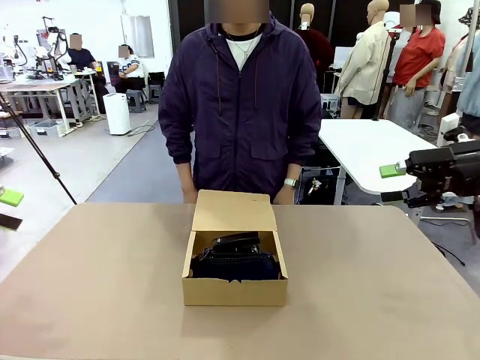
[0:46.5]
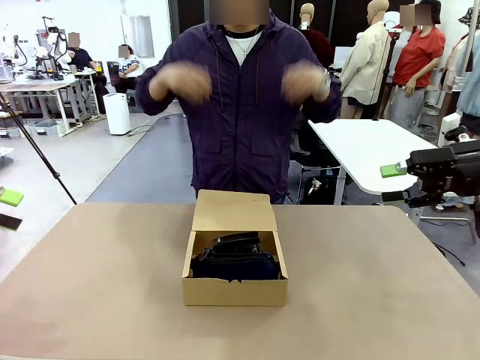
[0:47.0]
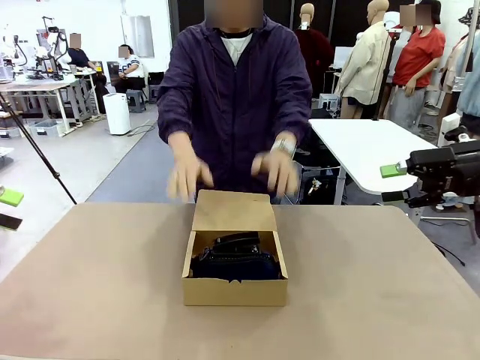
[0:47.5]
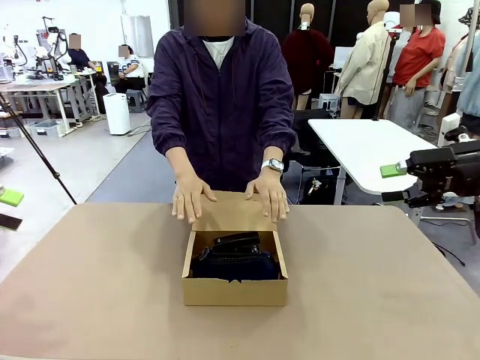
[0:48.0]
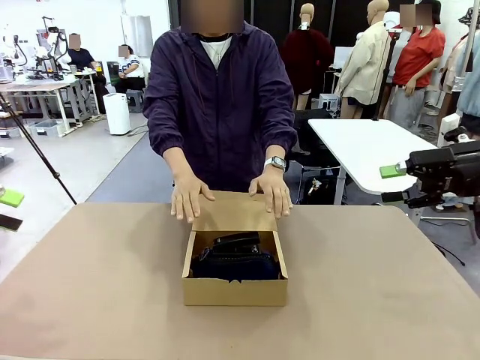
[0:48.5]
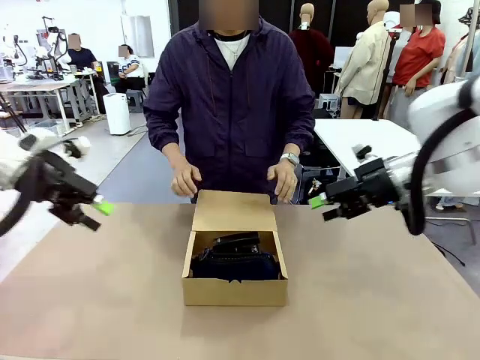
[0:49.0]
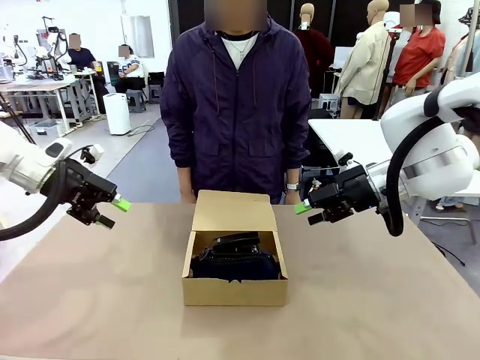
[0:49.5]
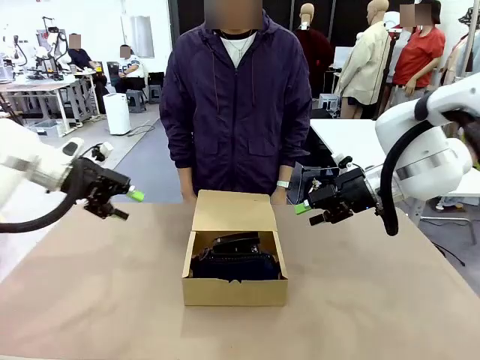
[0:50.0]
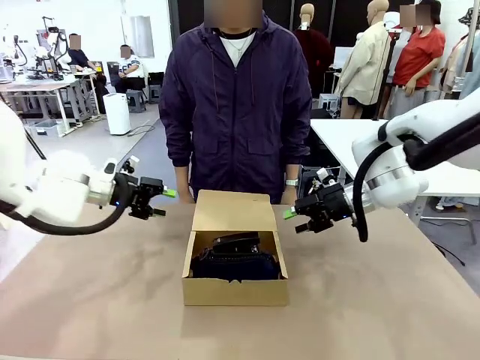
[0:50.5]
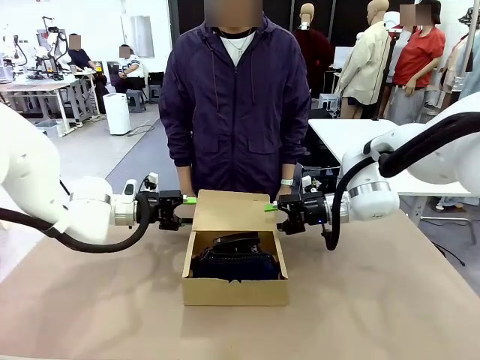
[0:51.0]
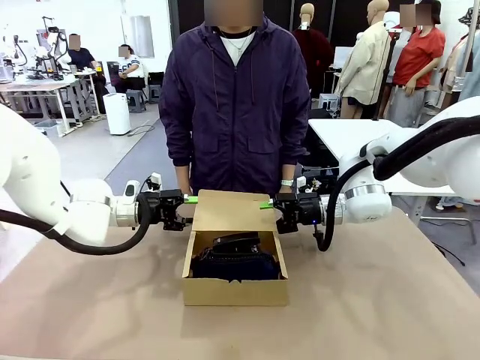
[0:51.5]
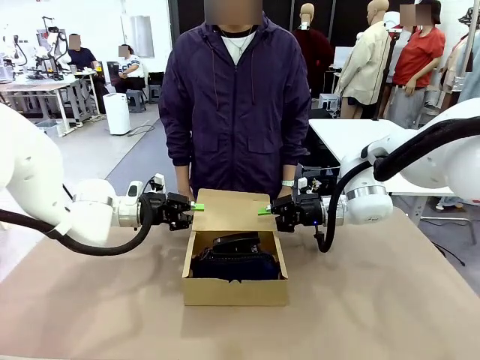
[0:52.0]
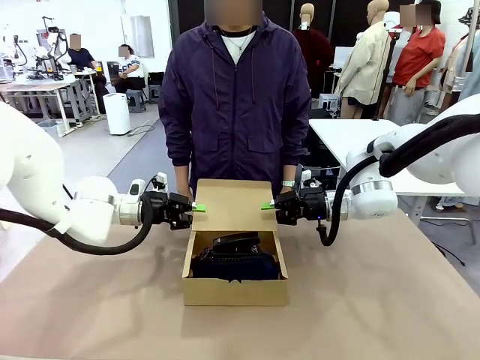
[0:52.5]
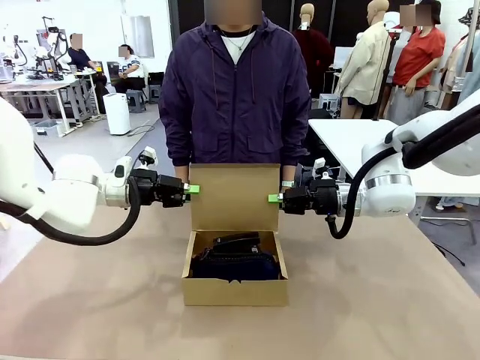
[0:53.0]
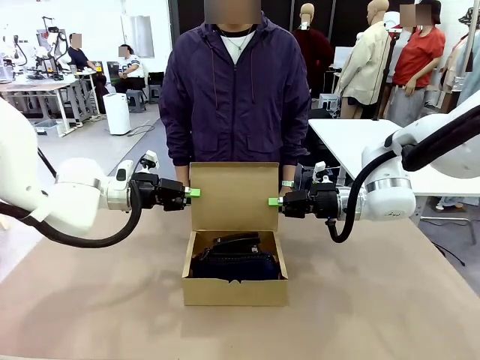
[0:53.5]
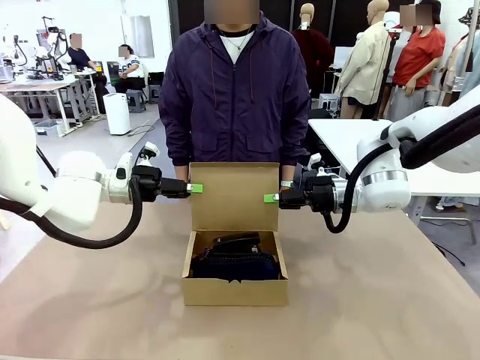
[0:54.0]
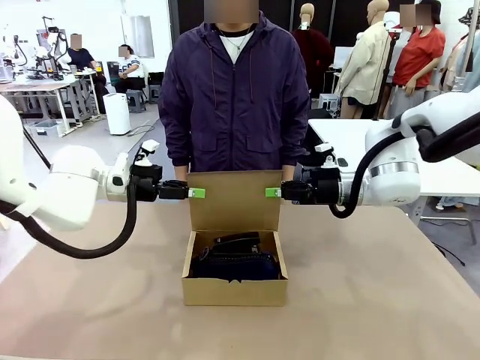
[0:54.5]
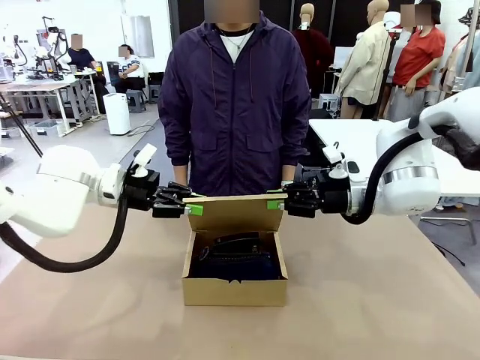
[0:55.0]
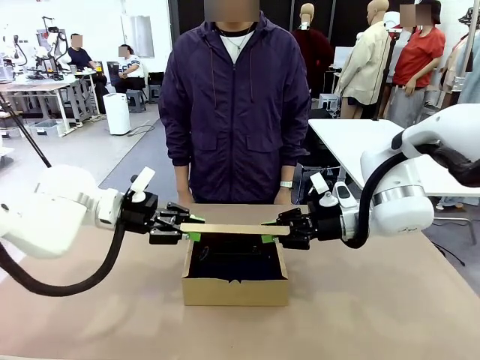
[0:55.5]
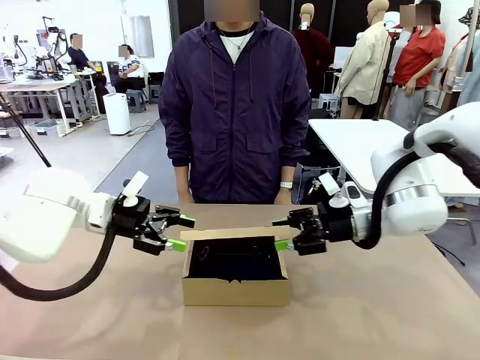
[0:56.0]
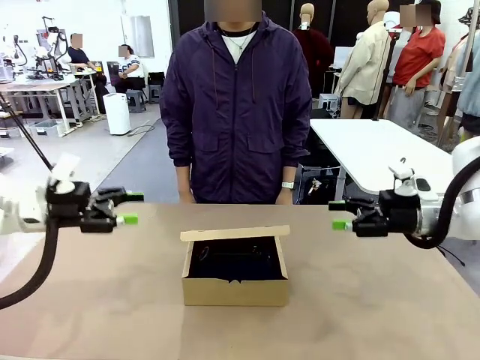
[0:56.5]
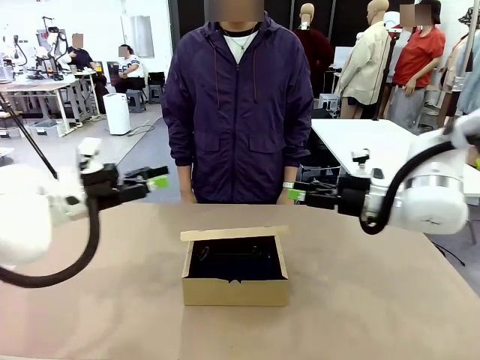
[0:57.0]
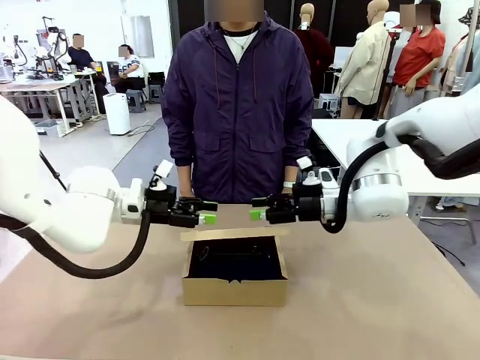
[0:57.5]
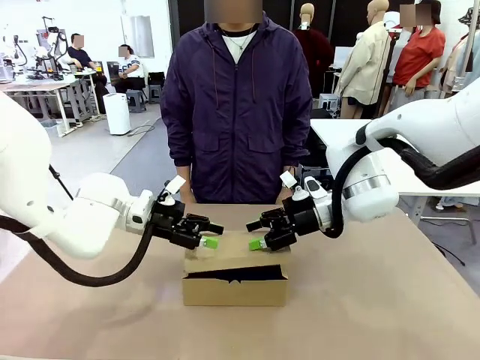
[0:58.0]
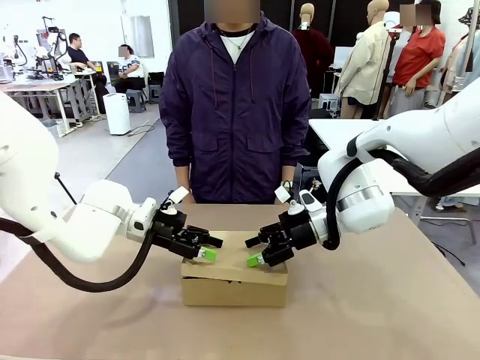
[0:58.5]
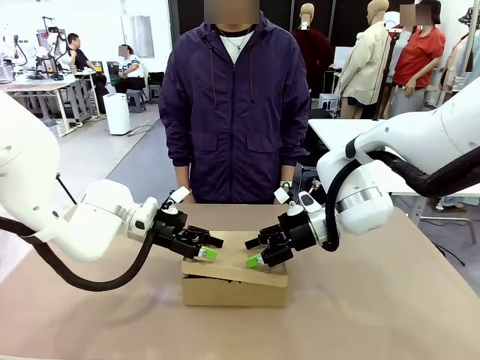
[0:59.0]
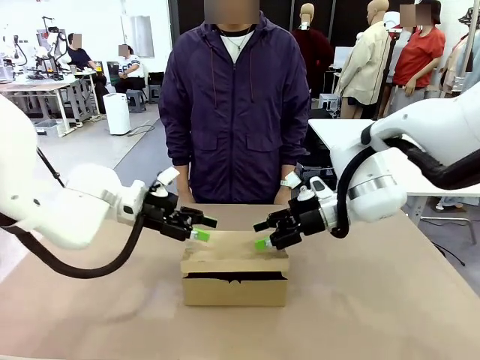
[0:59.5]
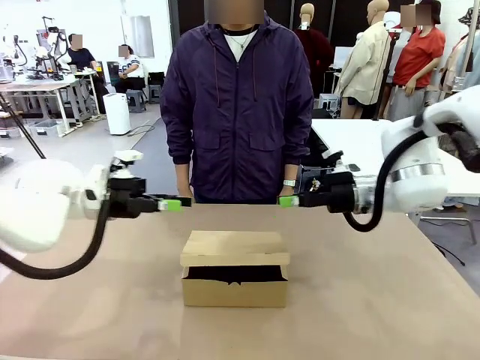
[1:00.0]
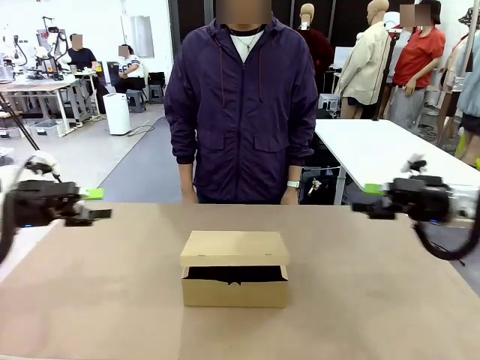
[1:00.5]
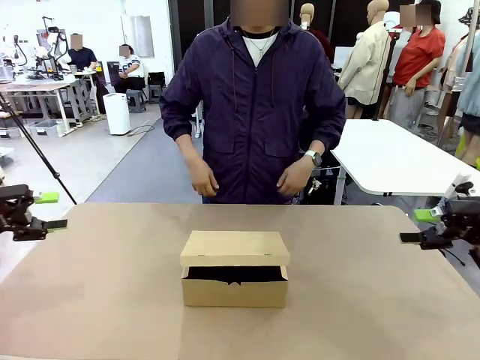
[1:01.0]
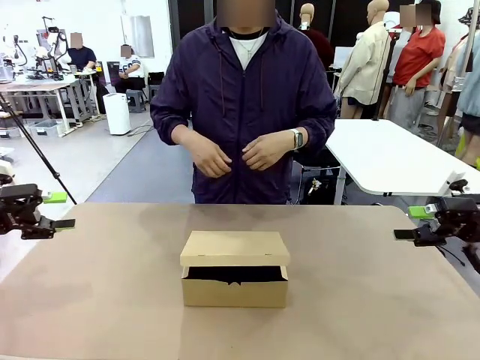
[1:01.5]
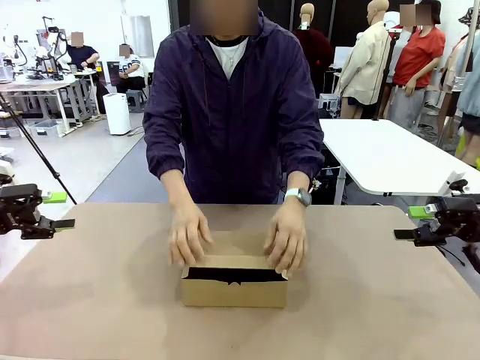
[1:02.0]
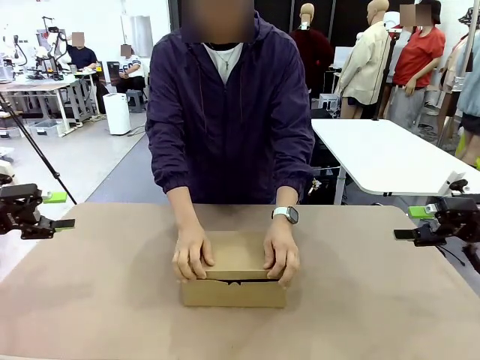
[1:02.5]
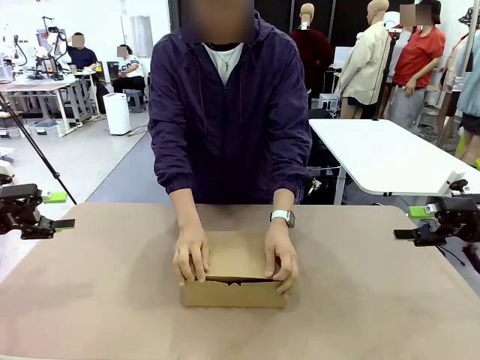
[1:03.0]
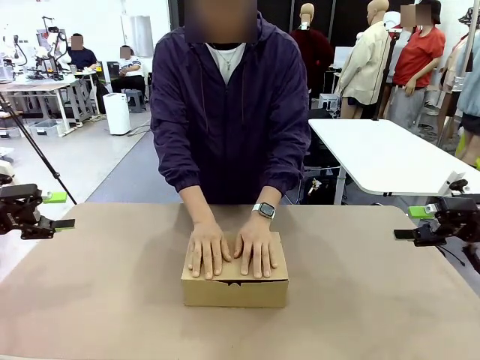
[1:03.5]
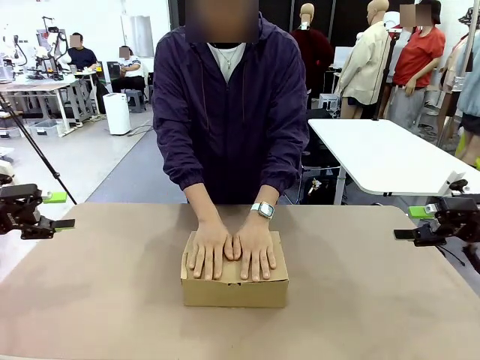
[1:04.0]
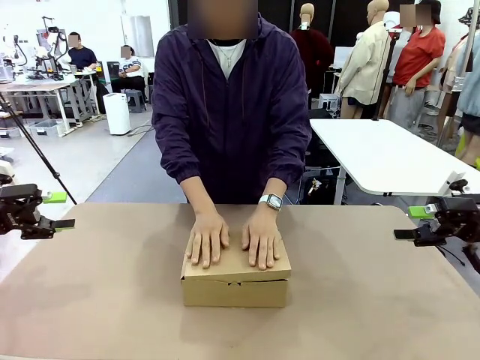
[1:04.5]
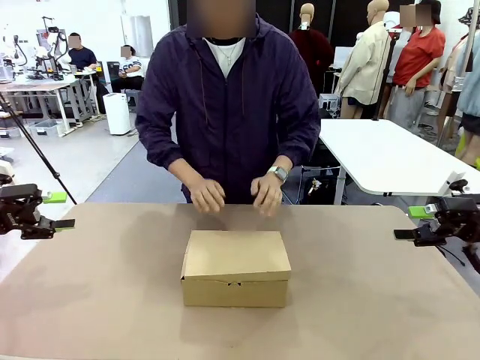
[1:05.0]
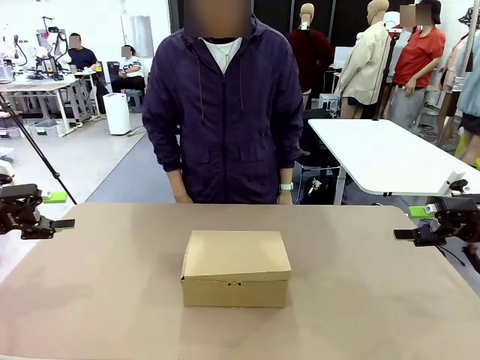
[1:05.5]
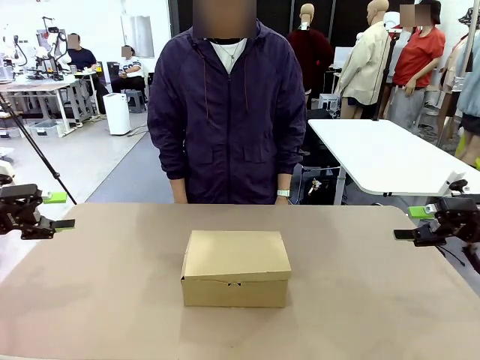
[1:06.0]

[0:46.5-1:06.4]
Task: Pack the items into the box.
Robot: Close the Mailer Box.
Person: Turn the box and lock it.

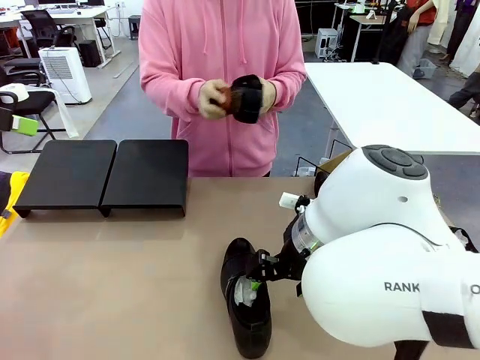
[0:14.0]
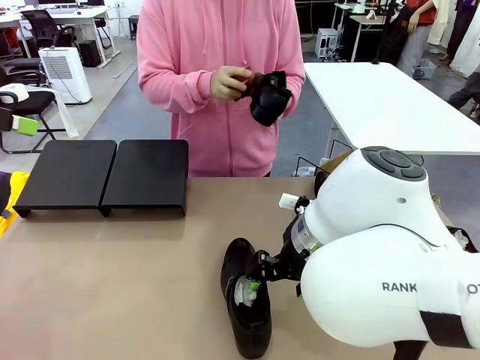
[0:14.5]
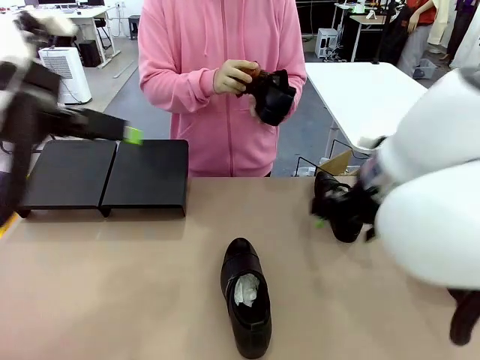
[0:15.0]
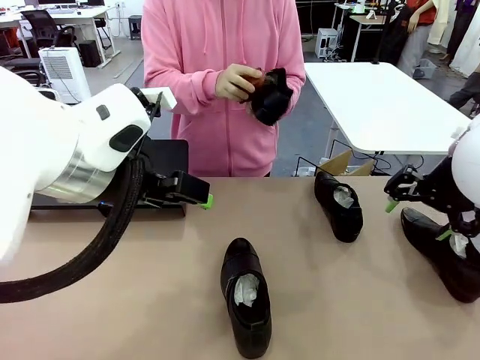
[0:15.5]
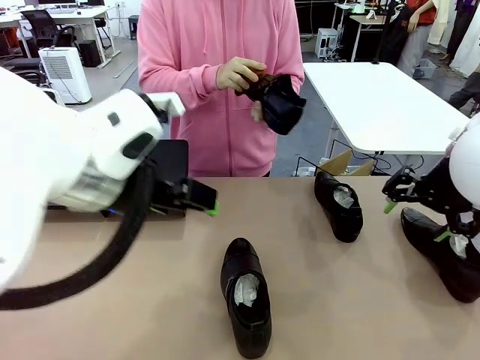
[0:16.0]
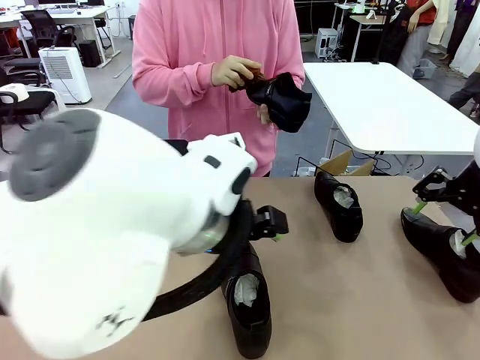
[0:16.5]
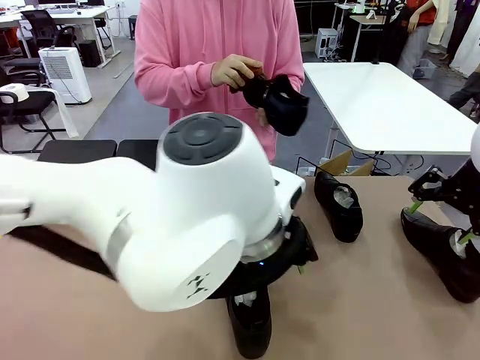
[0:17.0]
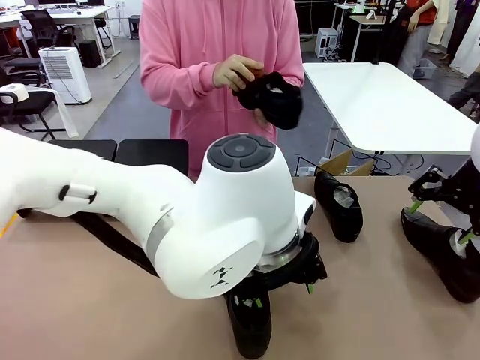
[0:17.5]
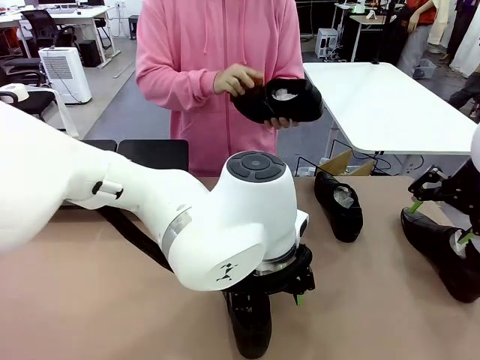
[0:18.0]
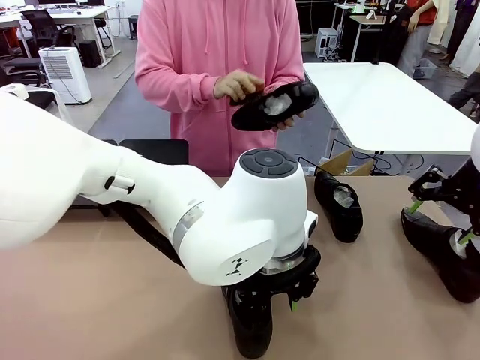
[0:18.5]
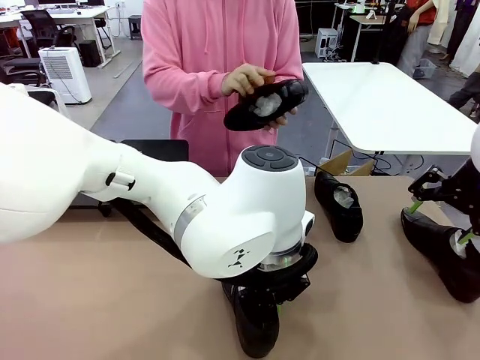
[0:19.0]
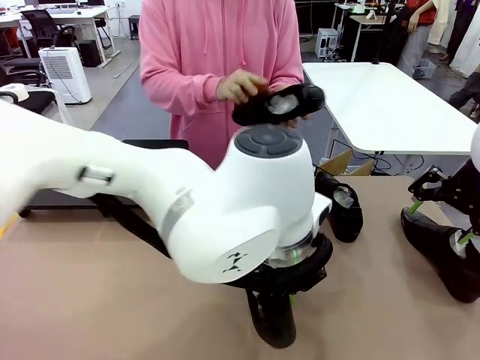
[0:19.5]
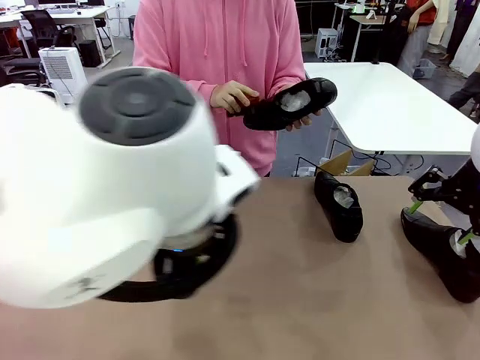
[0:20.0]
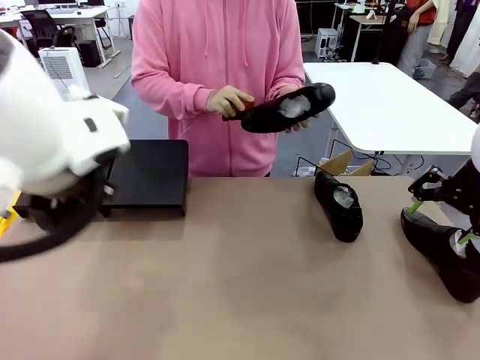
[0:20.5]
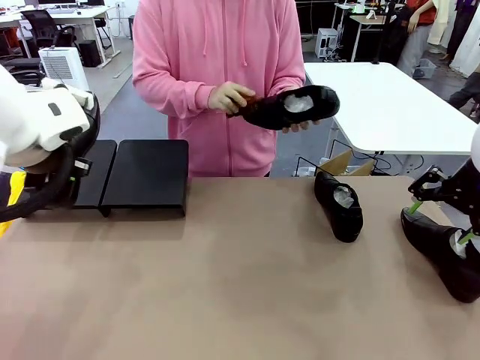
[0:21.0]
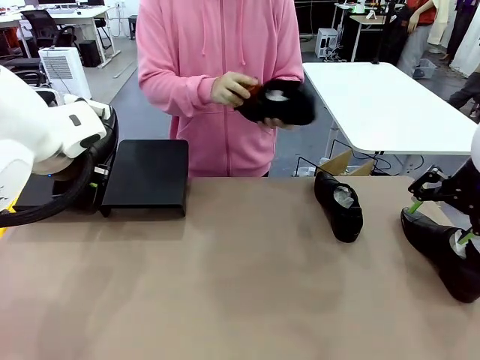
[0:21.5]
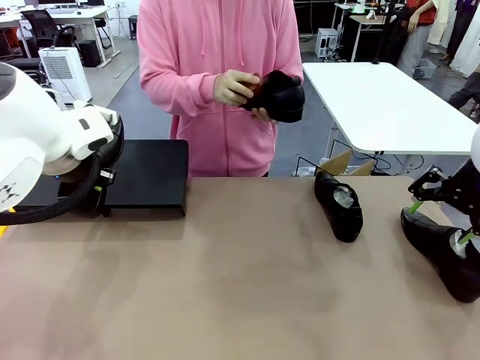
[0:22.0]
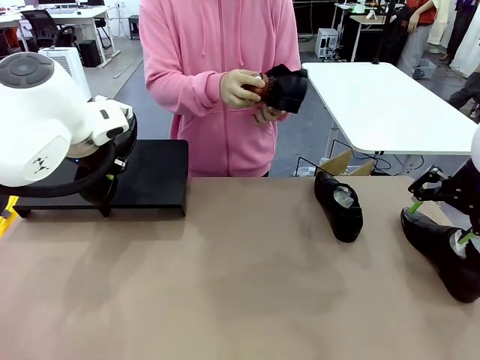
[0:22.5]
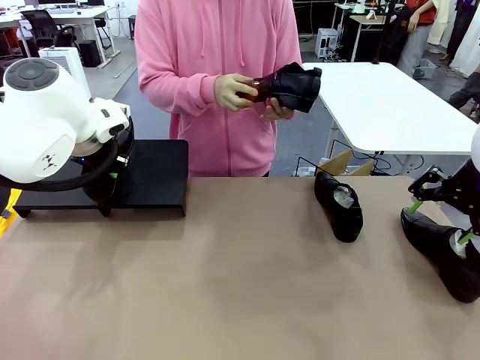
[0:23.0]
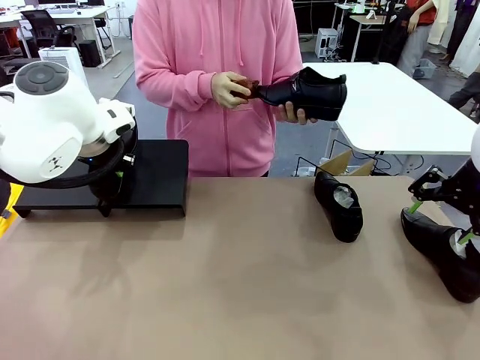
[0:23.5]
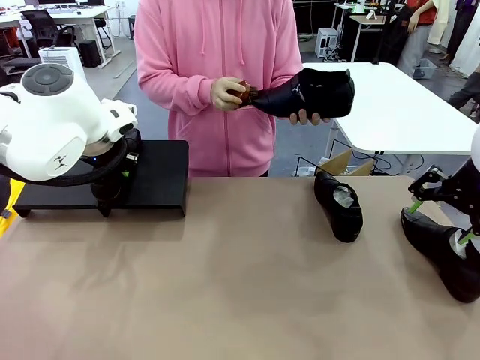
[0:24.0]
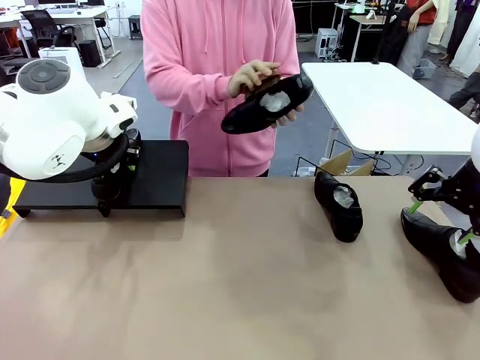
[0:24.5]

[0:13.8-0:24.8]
Task: Organize the shoes by placing them on the stand.
Robot: Place the Shoe from the middle of the table onto the Shoes Stand.
Person: Clean the Shoe with the Shoe Brush.
